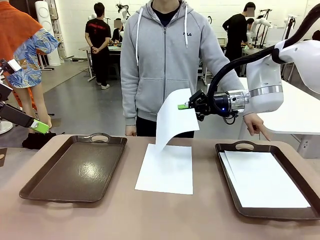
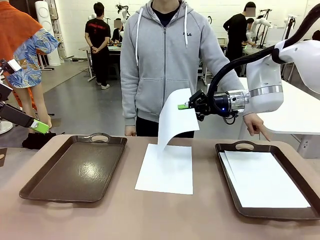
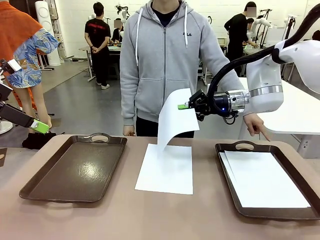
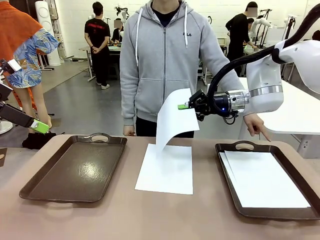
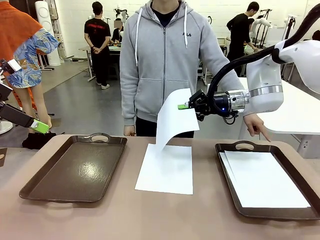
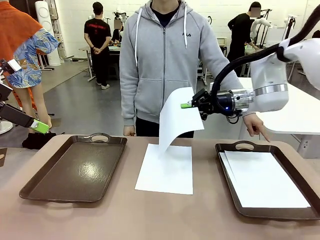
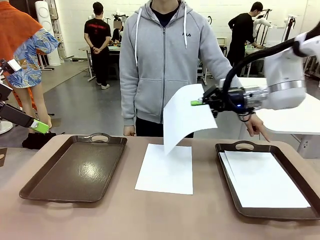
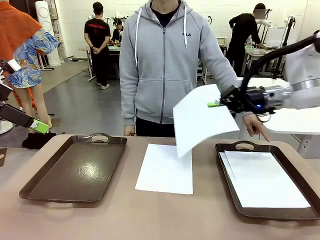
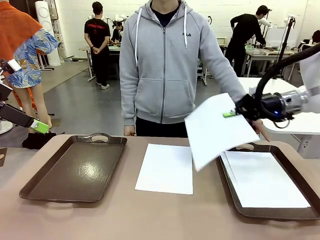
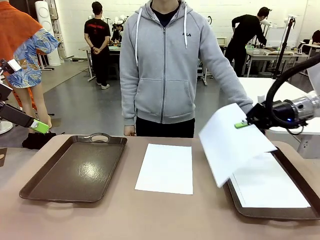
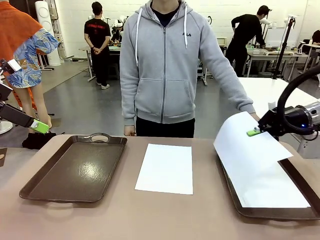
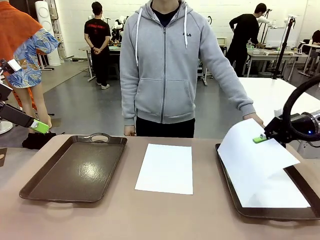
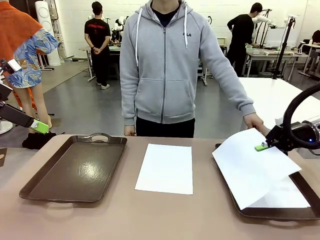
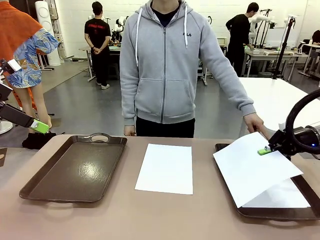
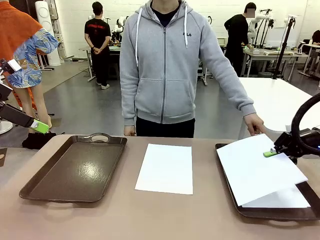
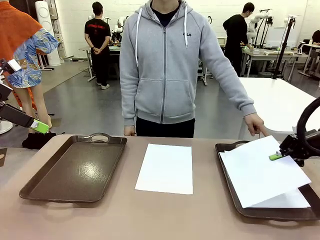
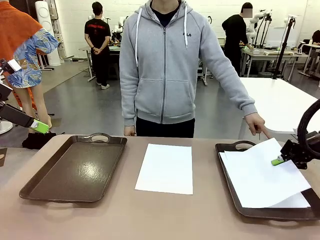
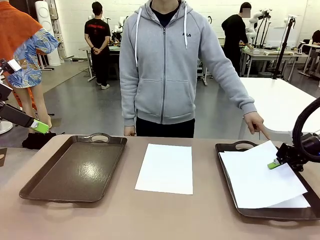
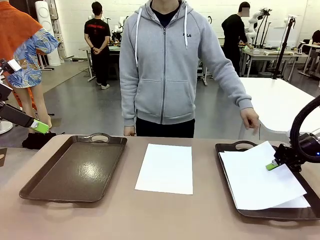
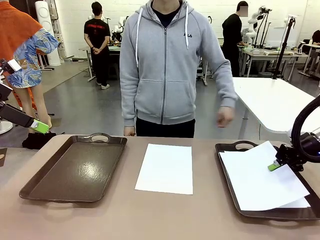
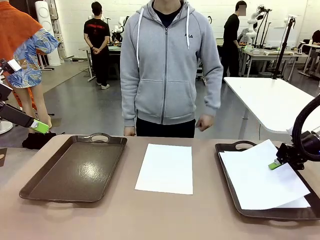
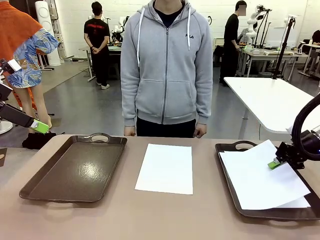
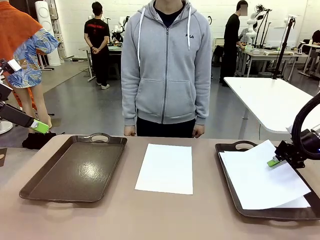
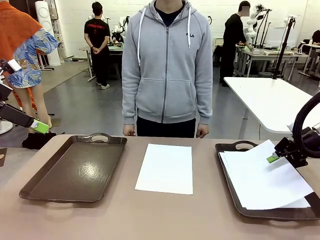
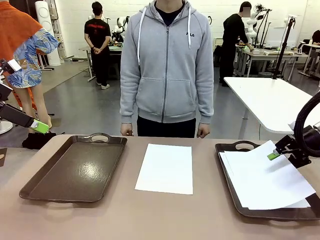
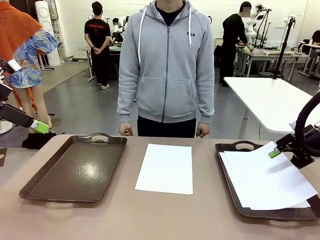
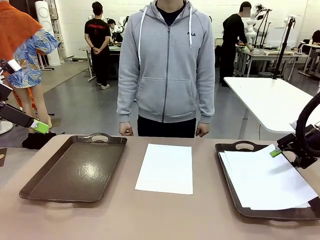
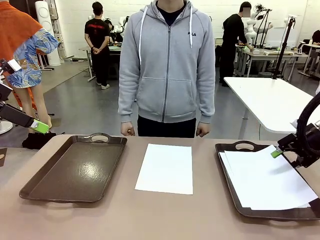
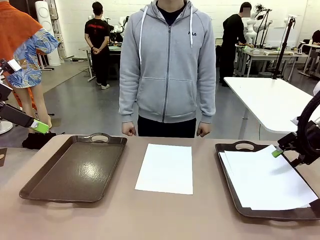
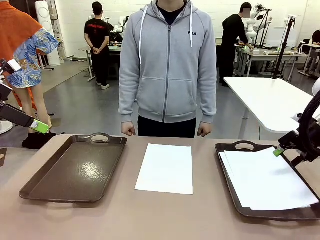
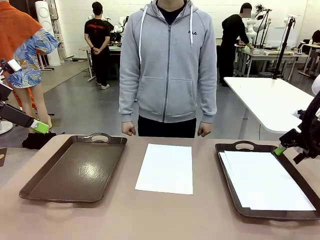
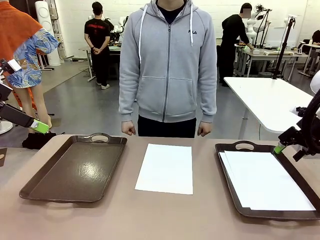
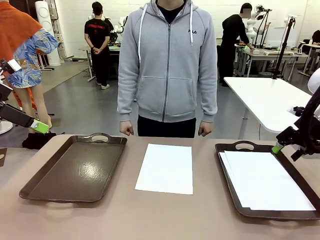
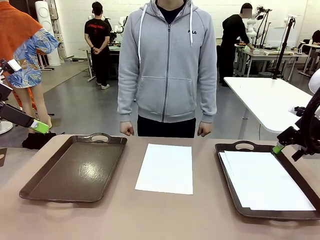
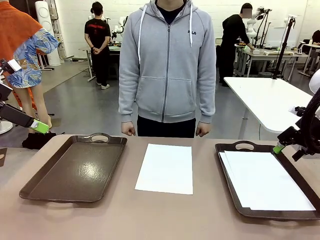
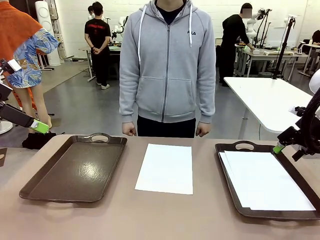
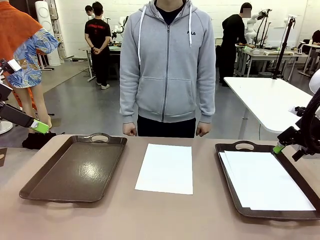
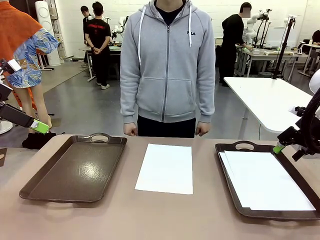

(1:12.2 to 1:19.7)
Task: Sort the A4 documents.
Robot: Place the A4 Paper in the designated Handle tray.

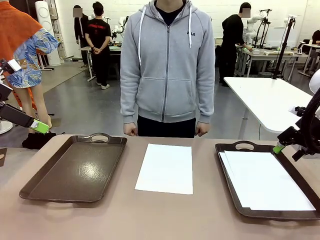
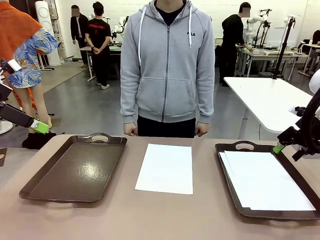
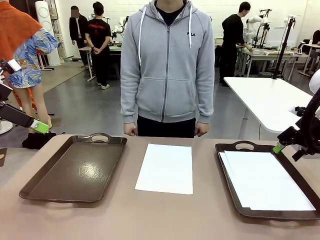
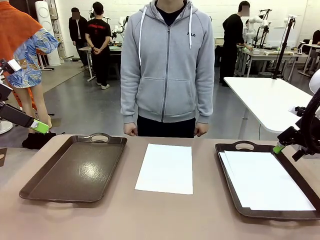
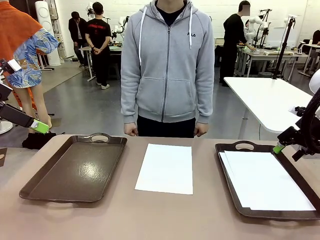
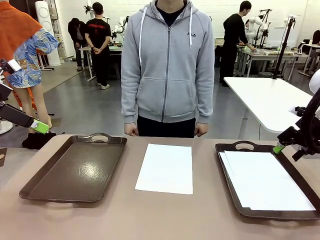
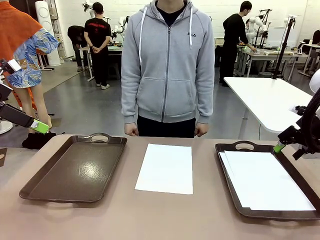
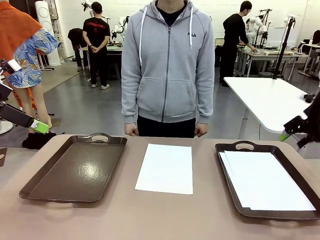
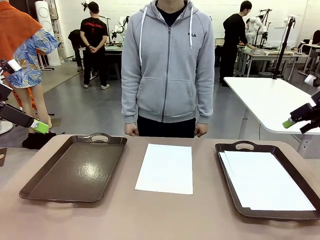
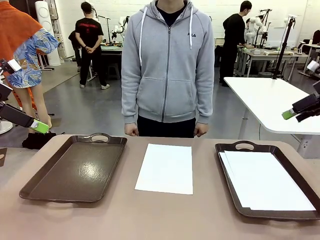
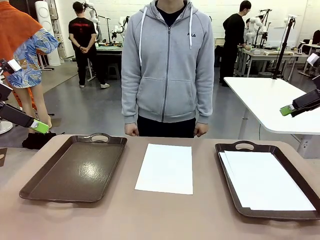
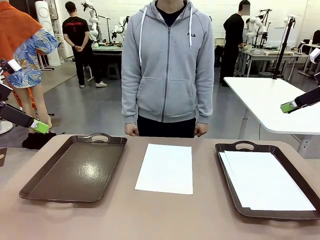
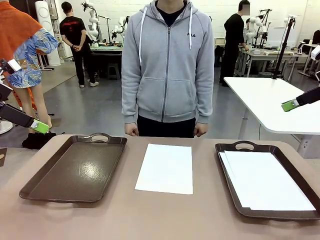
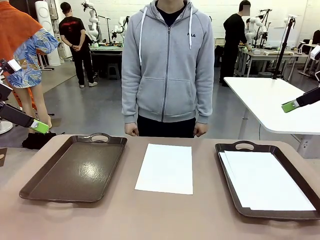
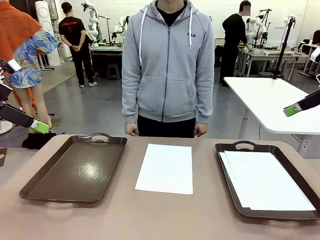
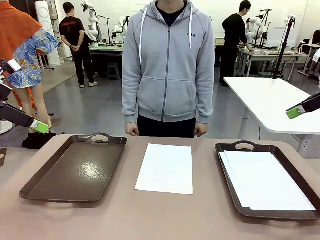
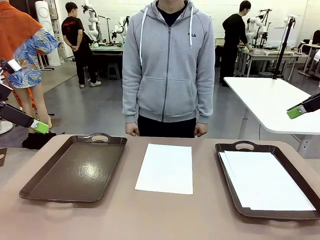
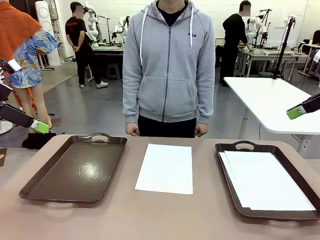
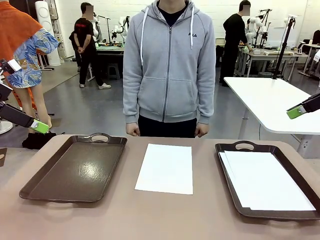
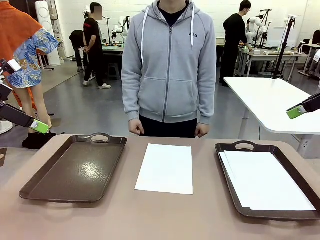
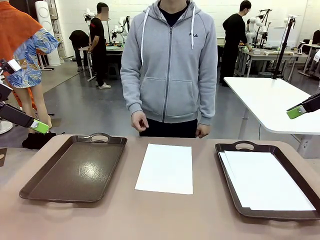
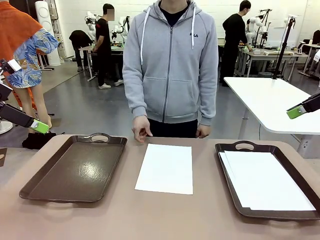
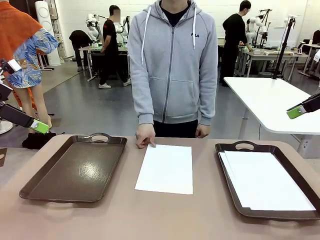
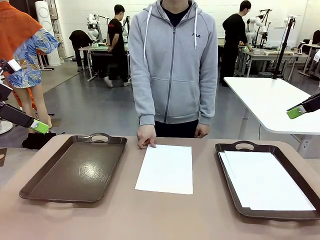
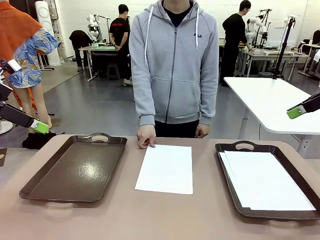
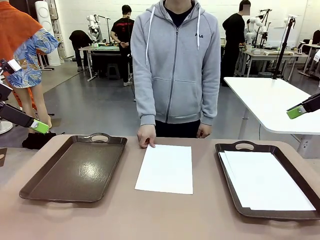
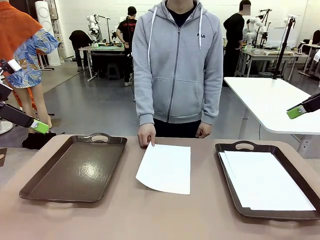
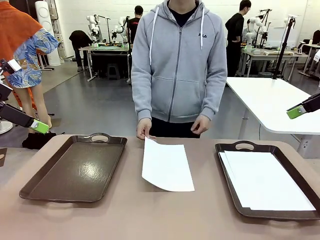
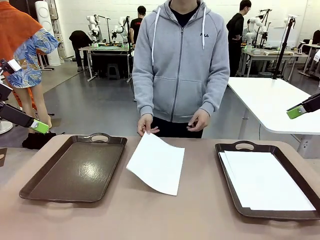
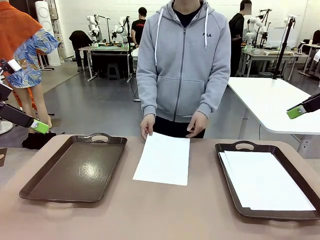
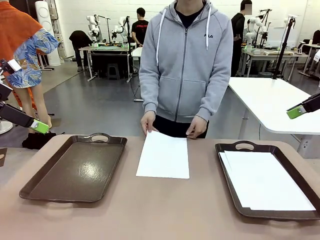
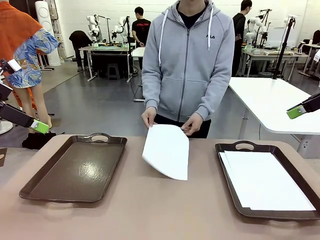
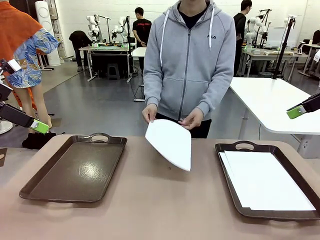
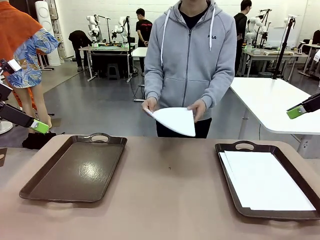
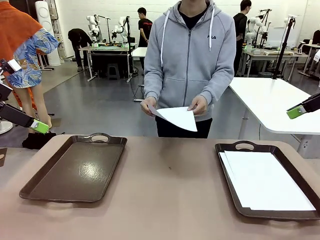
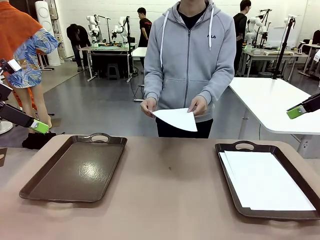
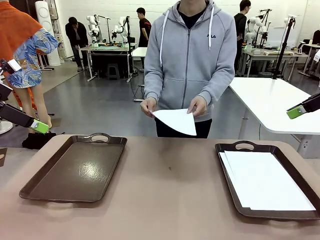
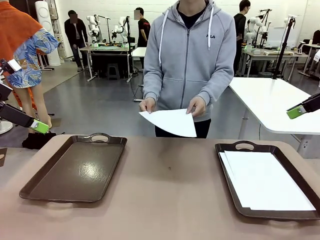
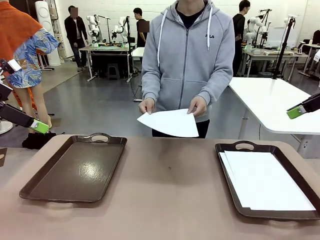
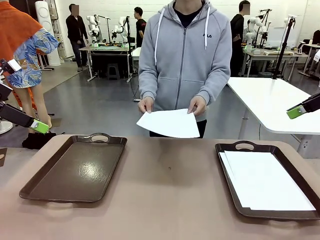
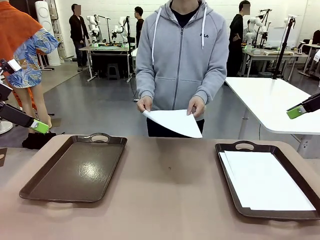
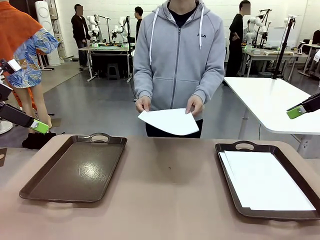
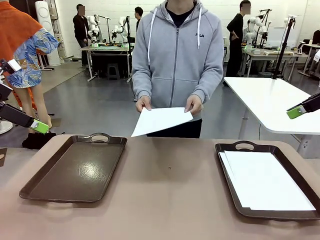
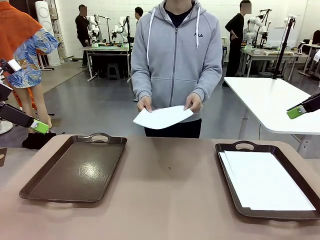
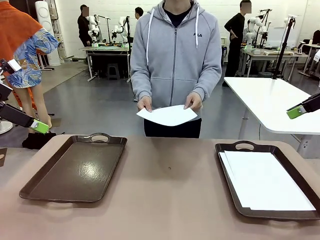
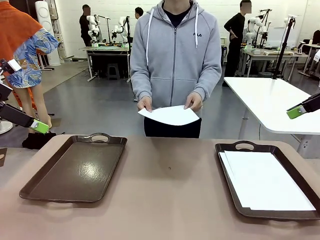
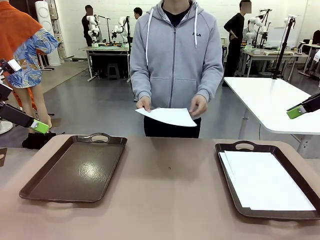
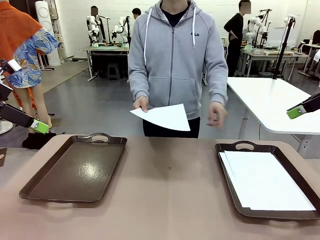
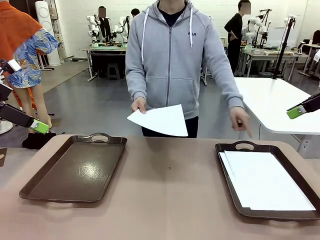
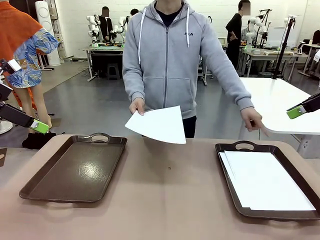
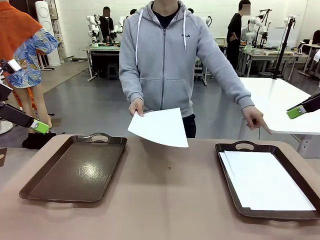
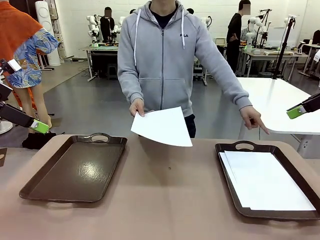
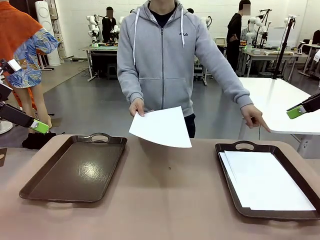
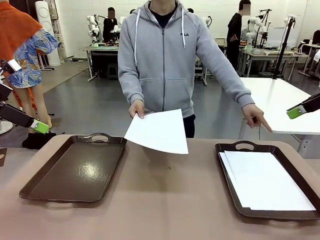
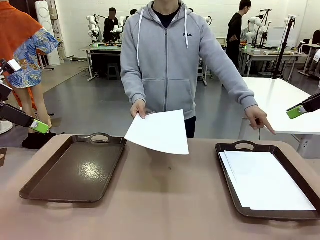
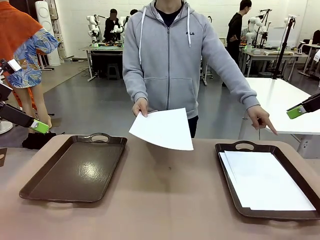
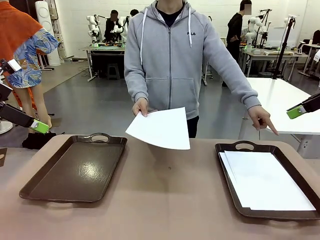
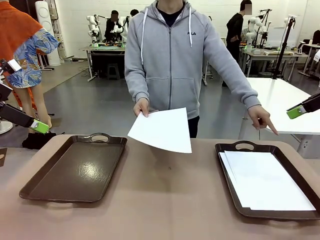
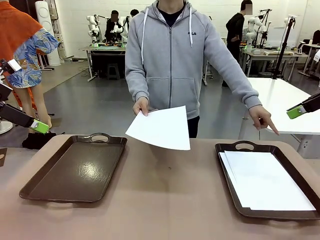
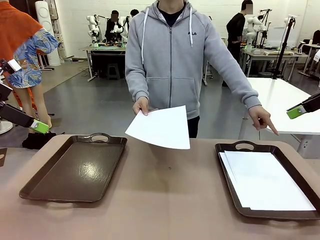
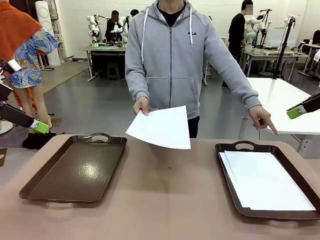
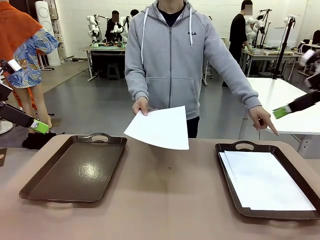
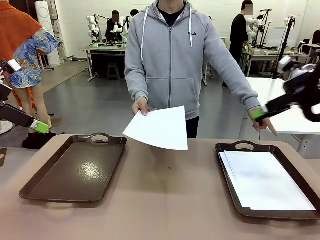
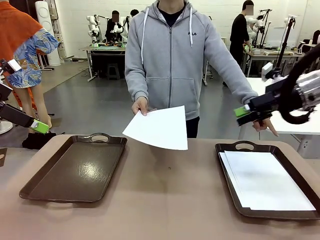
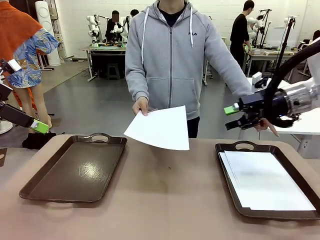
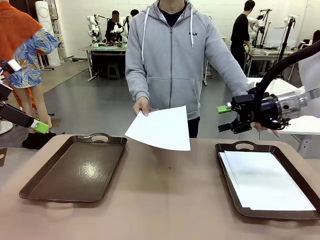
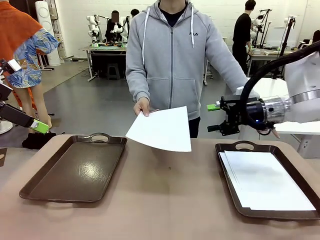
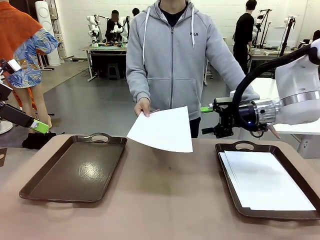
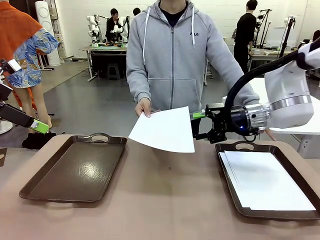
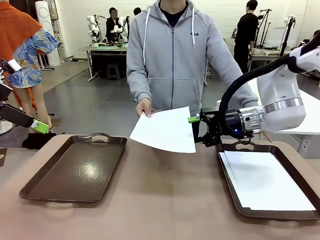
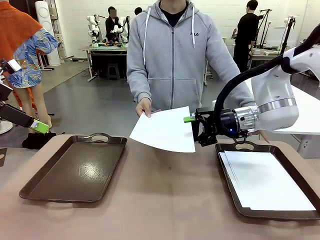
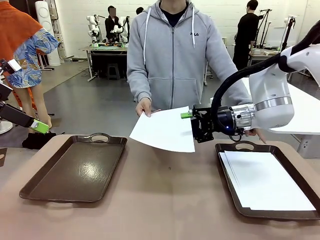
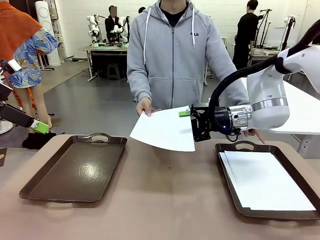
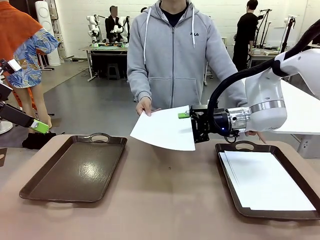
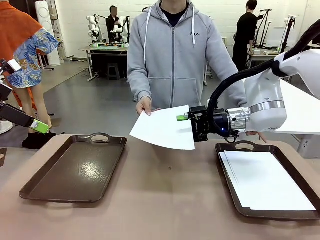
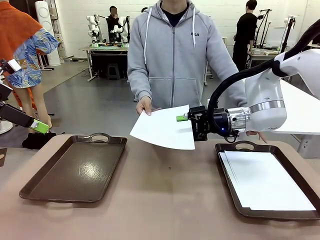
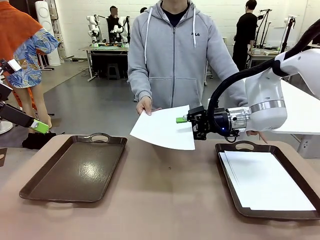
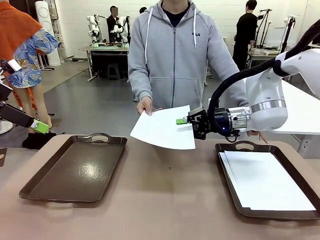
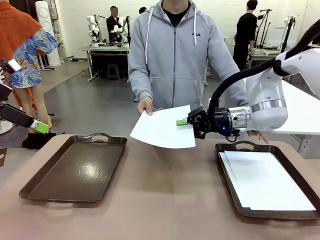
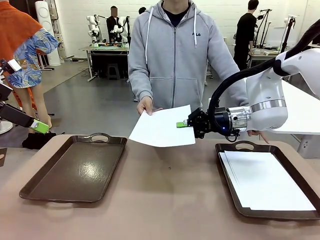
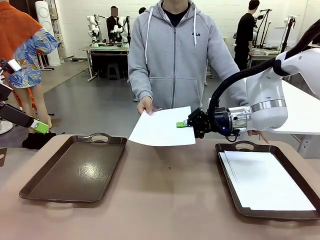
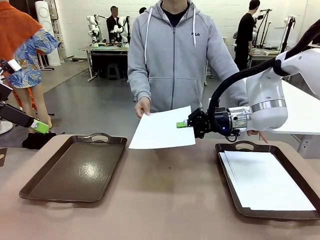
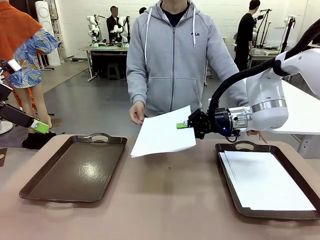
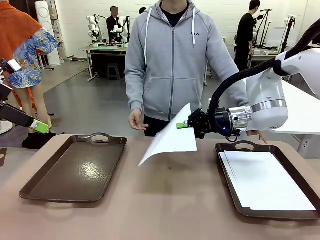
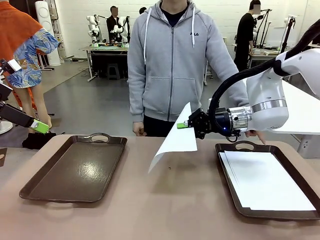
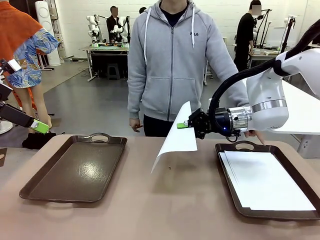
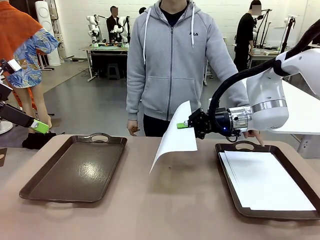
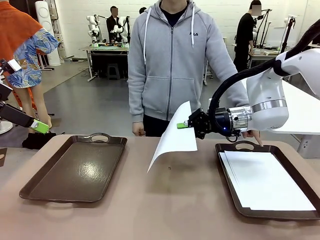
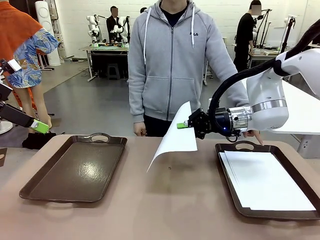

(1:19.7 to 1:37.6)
Robot: Receive the A4 Paper.
Person: Point the randomly selected tray with the other hand.
